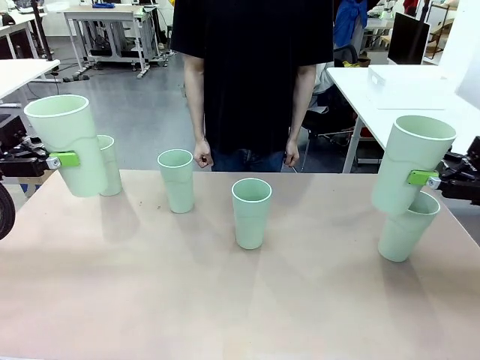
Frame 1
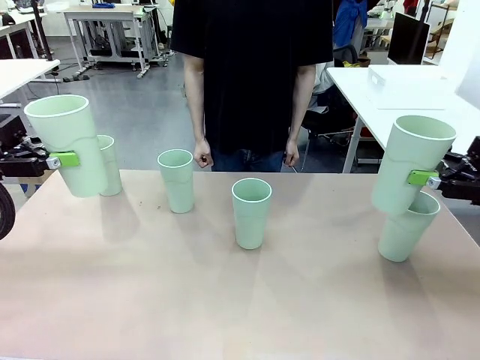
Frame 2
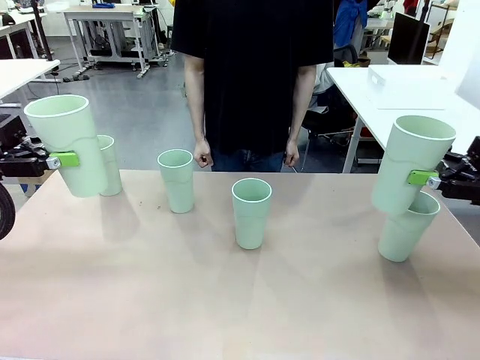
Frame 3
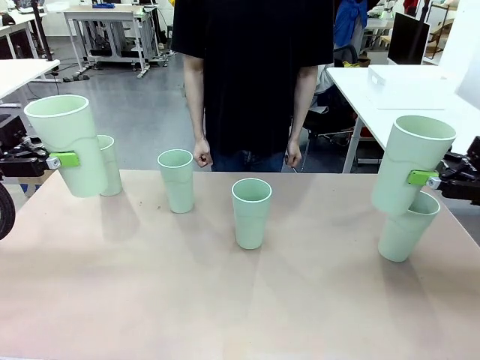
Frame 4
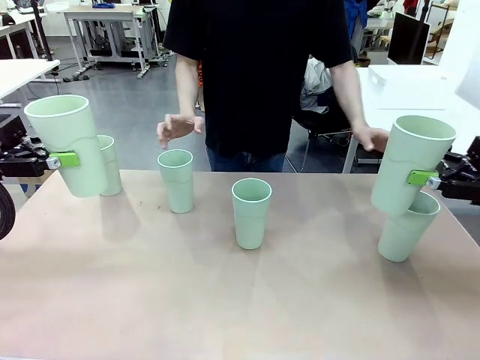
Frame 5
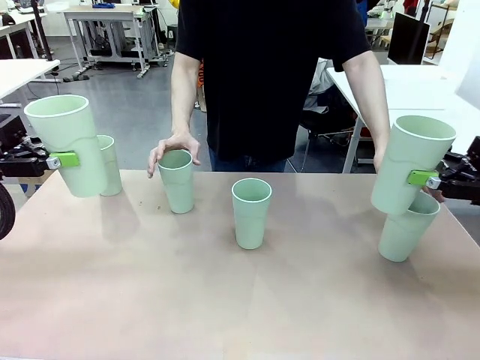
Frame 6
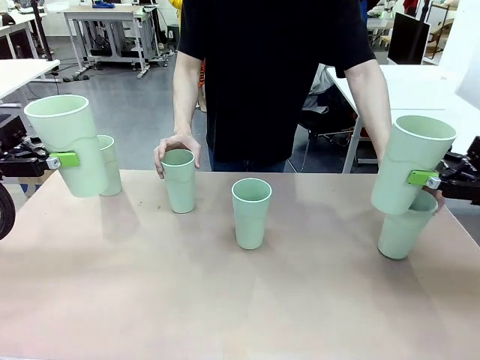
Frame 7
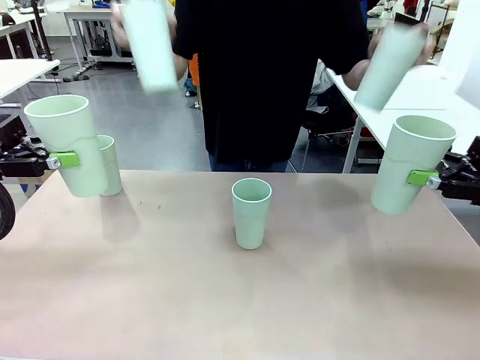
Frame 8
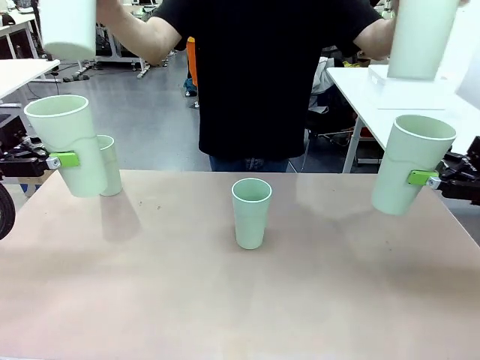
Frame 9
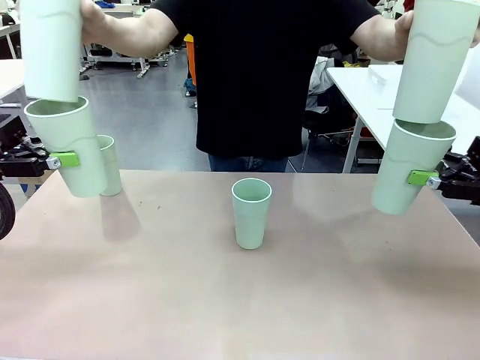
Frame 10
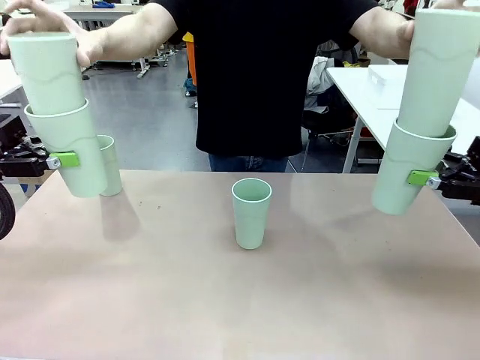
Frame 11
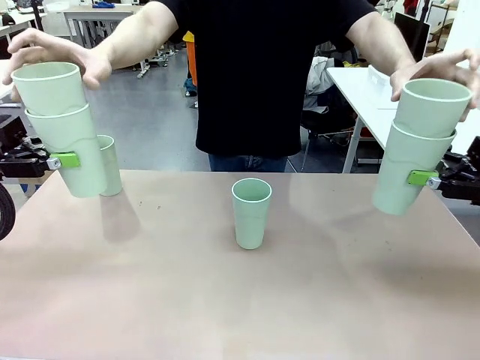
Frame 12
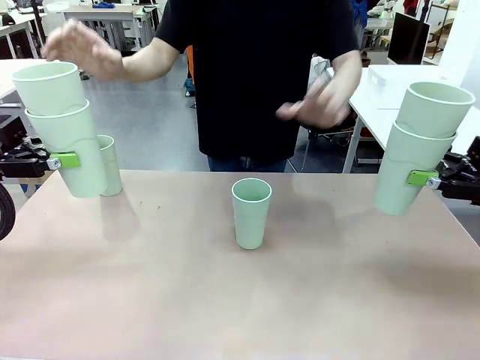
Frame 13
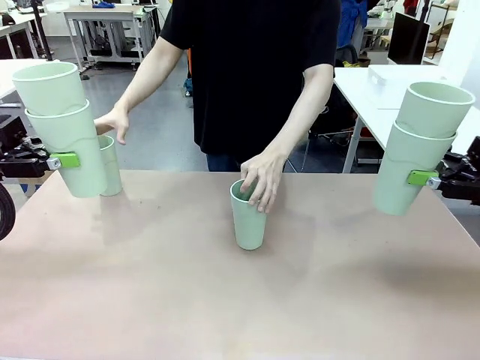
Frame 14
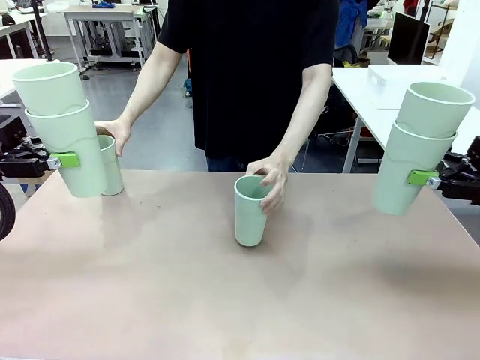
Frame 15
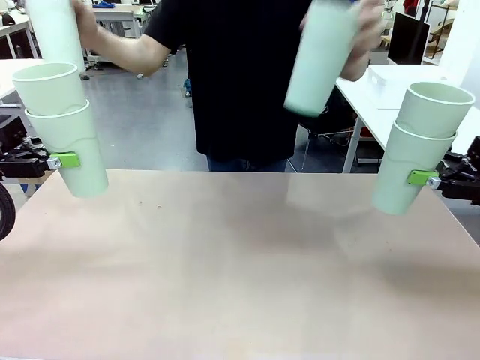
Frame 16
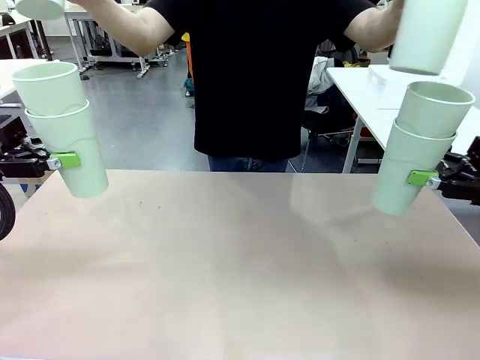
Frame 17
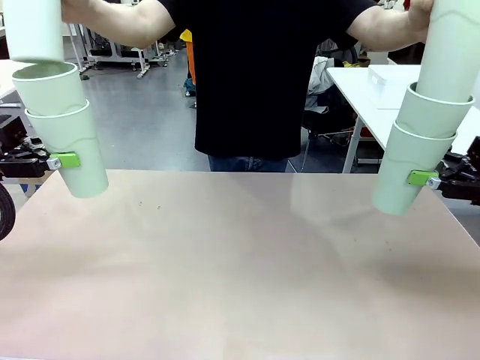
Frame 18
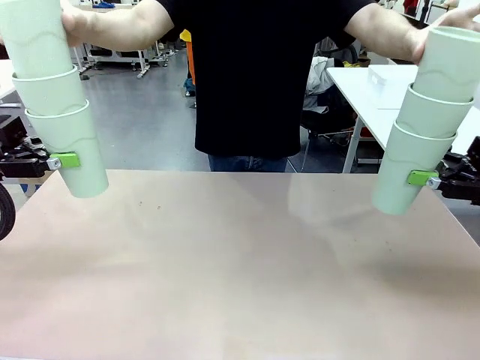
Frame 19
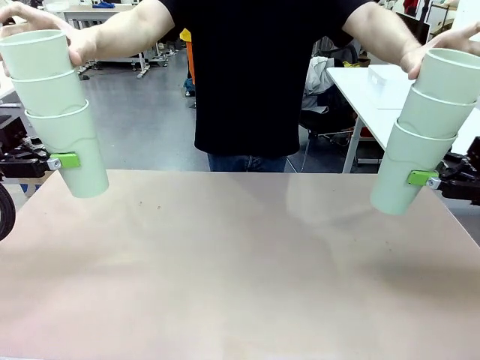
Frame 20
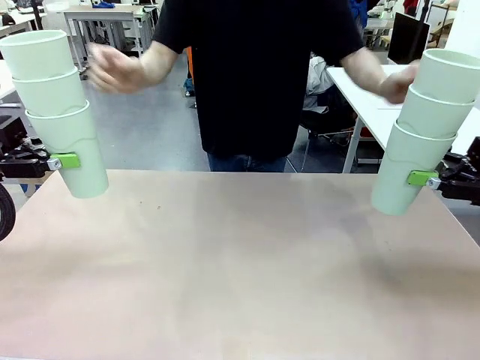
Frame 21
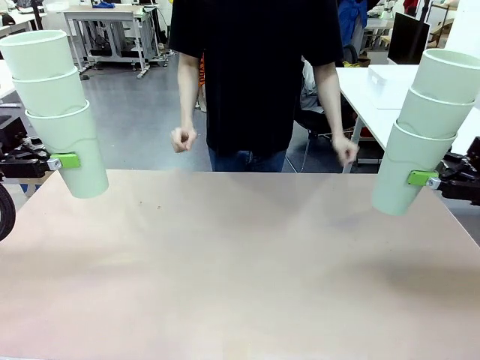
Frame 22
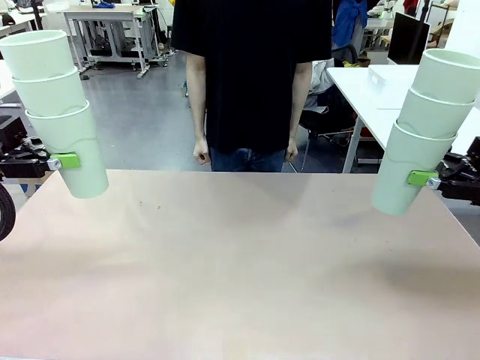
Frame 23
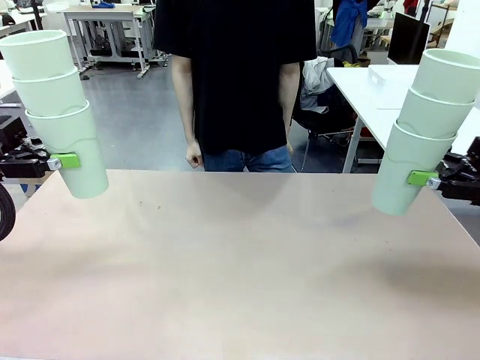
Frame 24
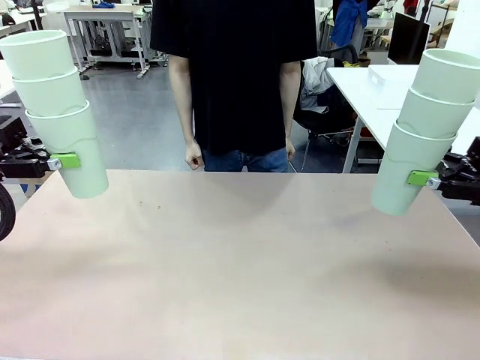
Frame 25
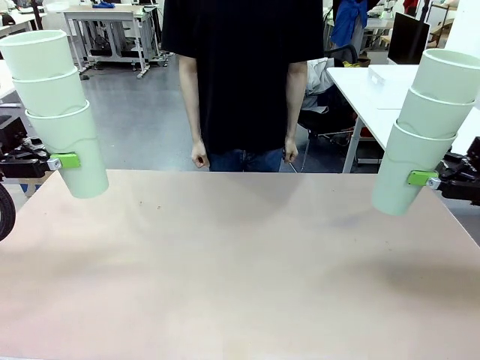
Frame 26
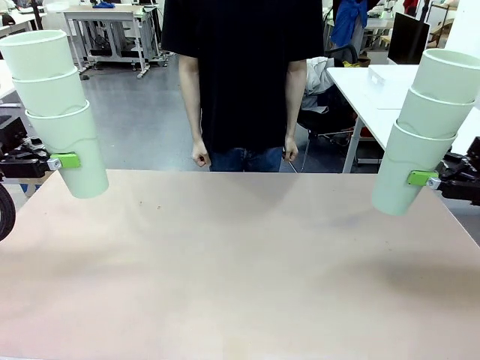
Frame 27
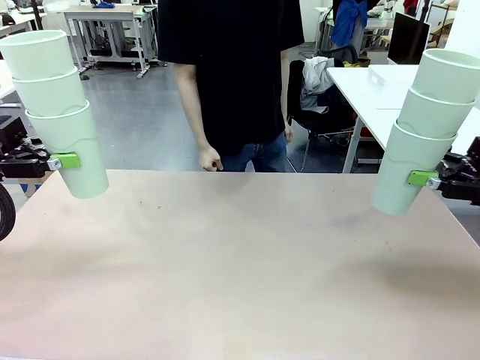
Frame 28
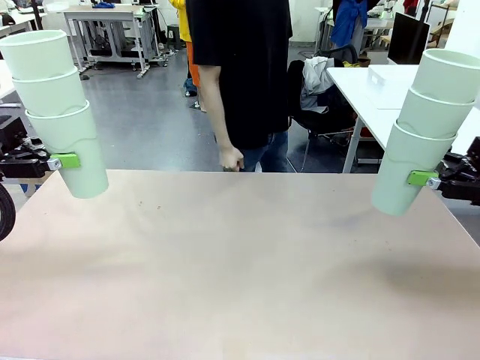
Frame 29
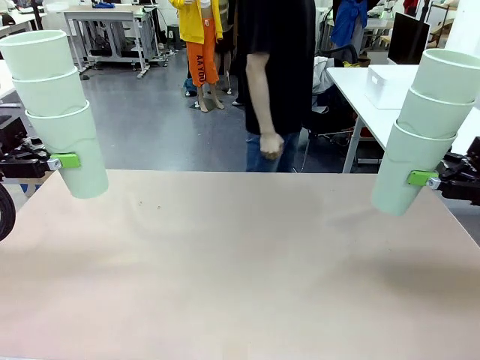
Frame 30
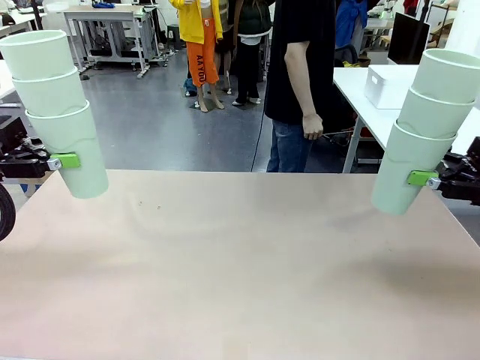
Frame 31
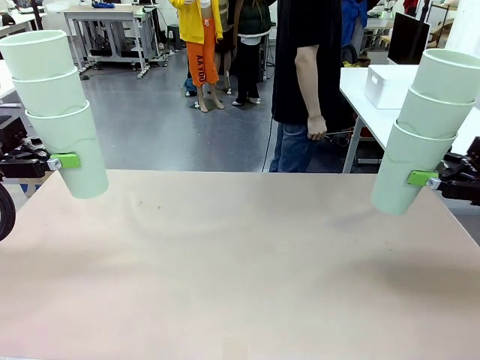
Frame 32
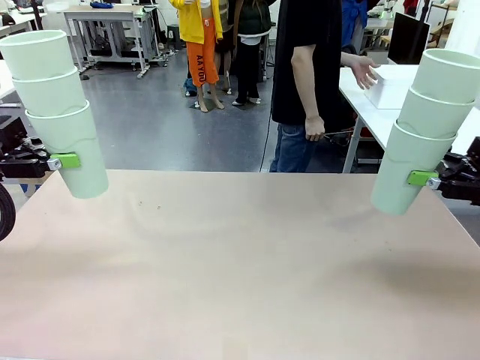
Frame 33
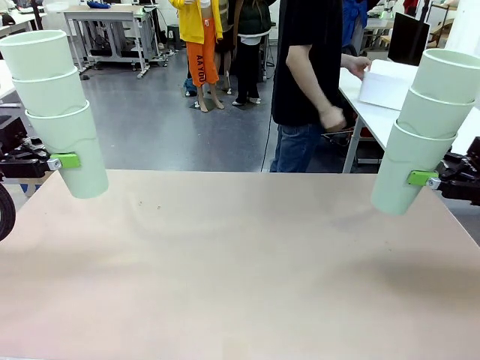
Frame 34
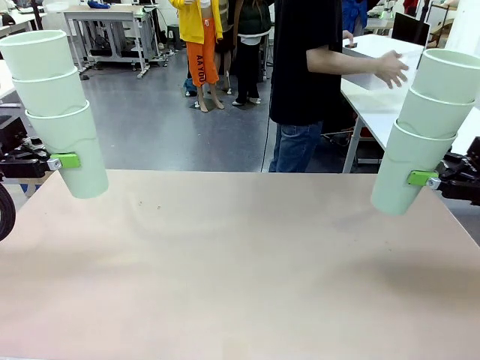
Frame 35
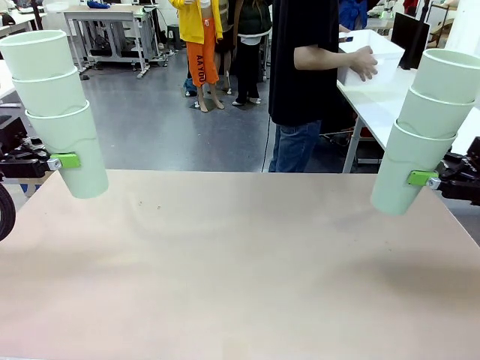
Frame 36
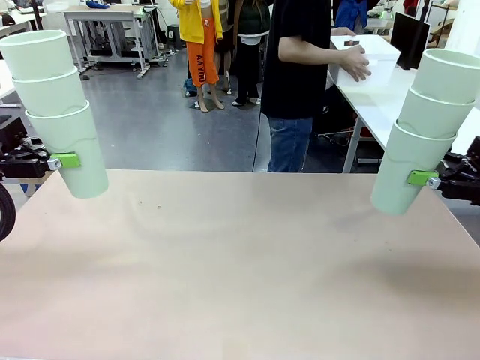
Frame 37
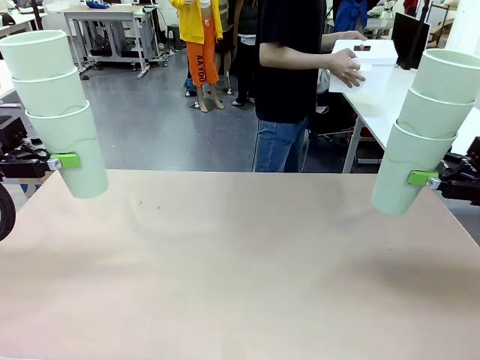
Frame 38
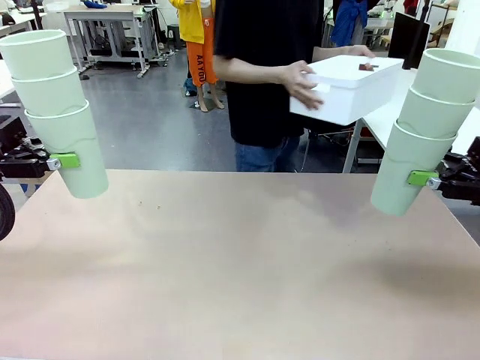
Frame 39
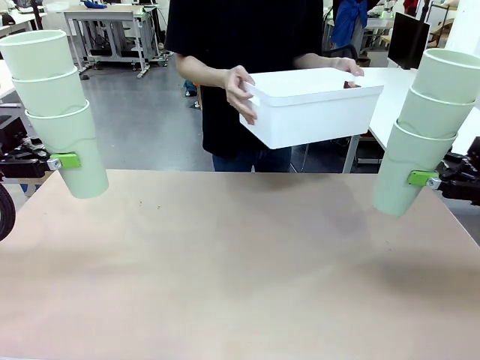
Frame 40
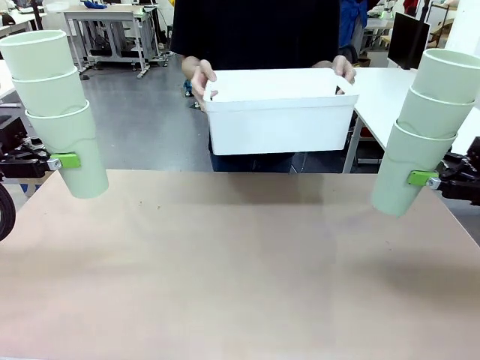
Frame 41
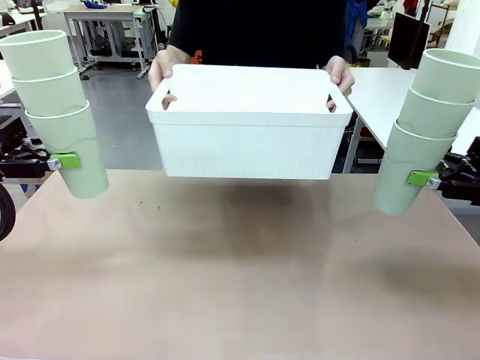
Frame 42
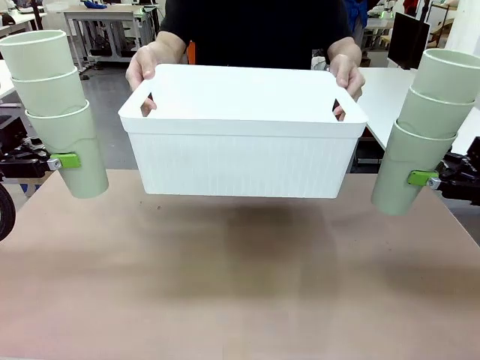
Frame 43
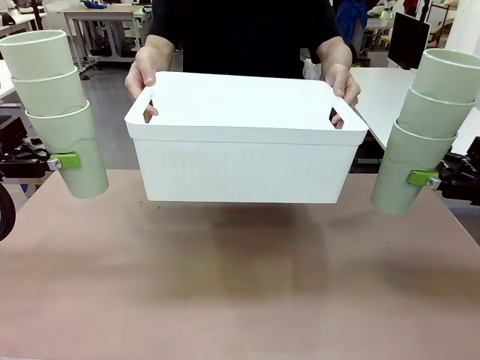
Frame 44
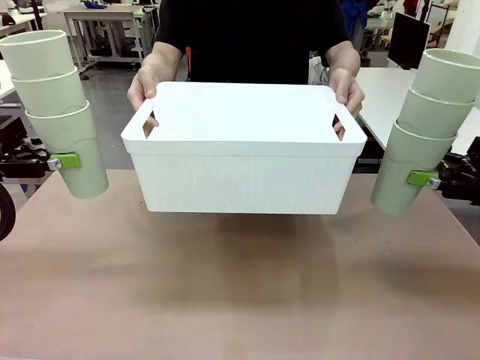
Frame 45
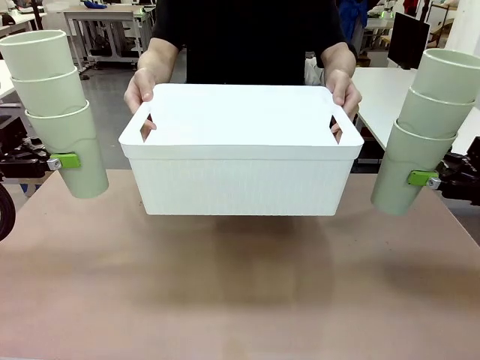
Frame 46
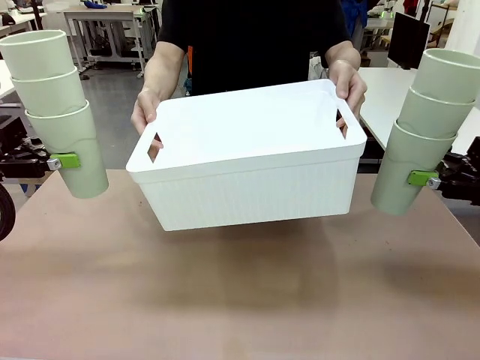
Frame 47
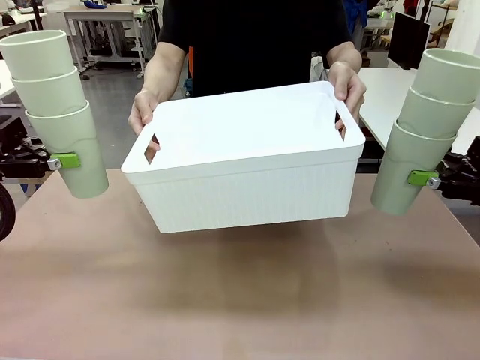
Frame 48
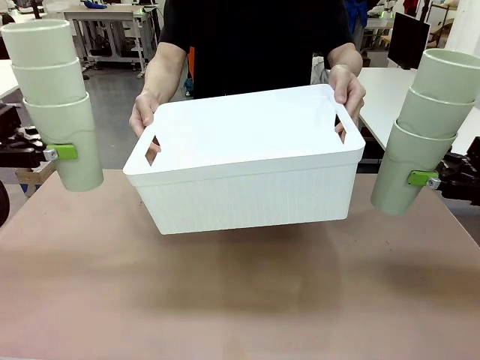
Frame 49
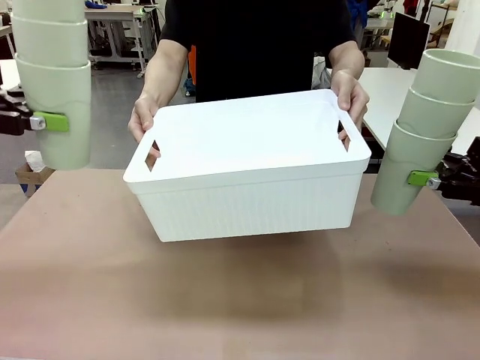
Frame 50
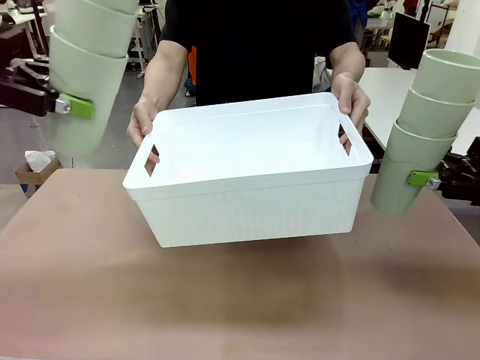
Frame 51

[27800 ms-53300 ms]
Task: Stack the cups and store them in the basket.
Robot: Place the stack of Reusable plastic cups into the Pantry Basket.
Person: Pick up the basket from the Human Table, bring it to the front of the robot, and present it.
